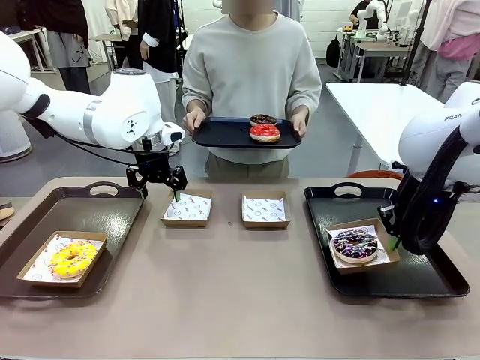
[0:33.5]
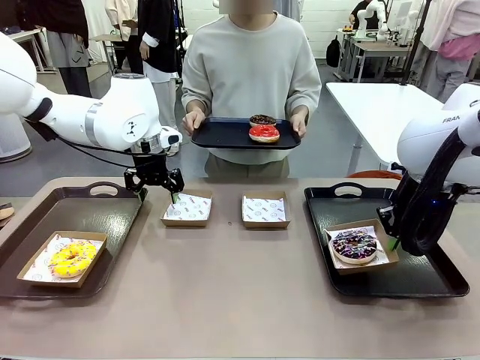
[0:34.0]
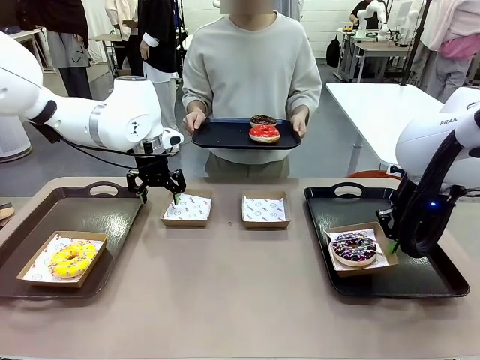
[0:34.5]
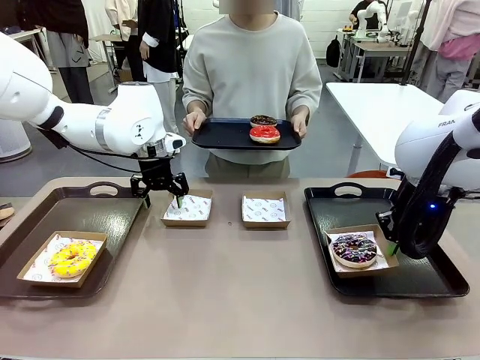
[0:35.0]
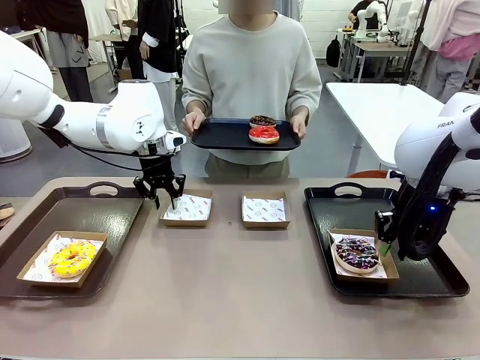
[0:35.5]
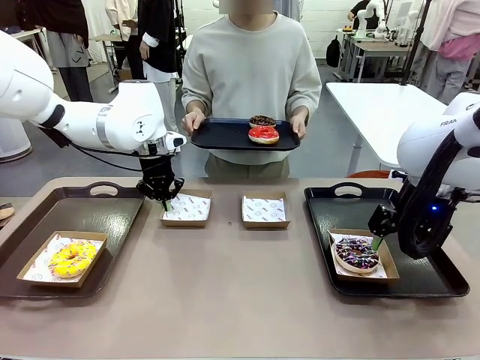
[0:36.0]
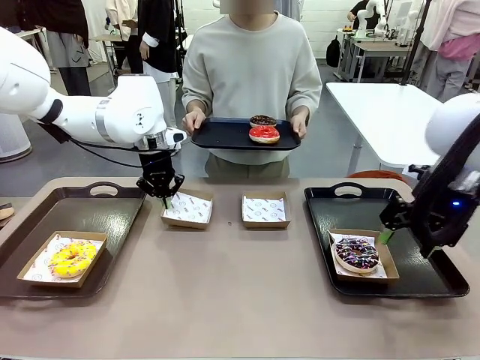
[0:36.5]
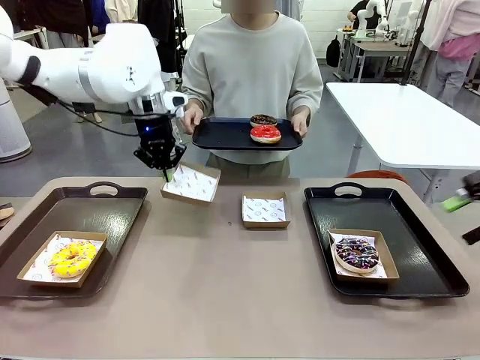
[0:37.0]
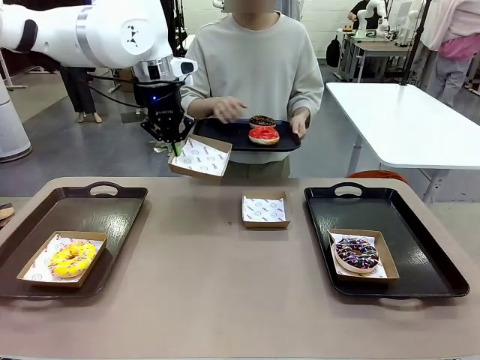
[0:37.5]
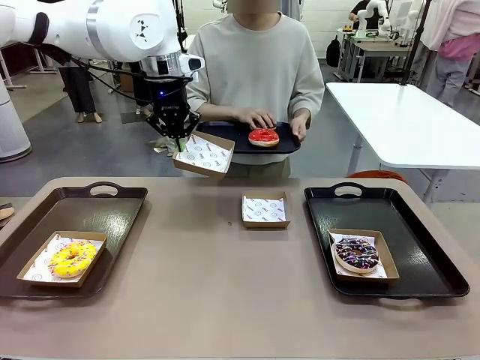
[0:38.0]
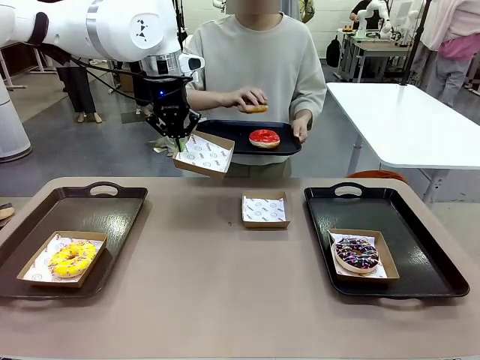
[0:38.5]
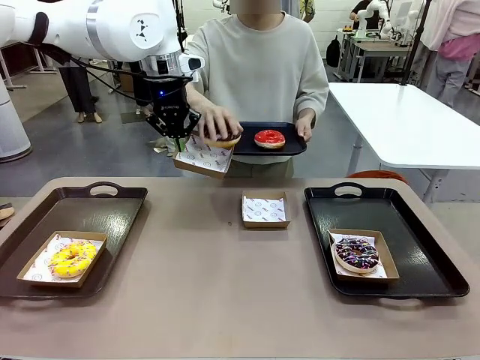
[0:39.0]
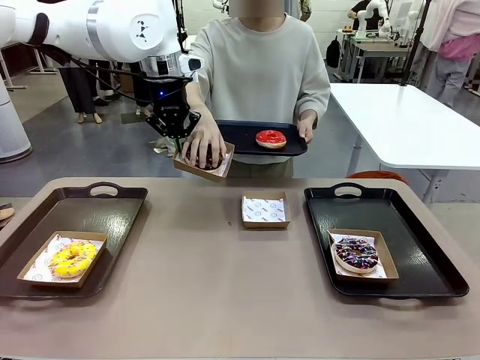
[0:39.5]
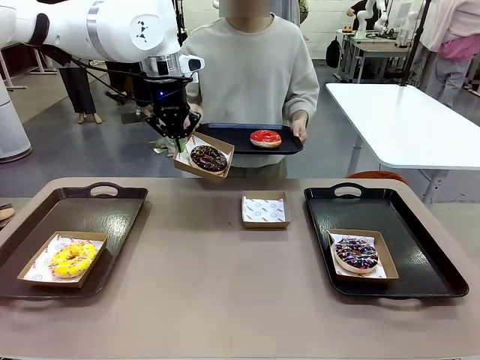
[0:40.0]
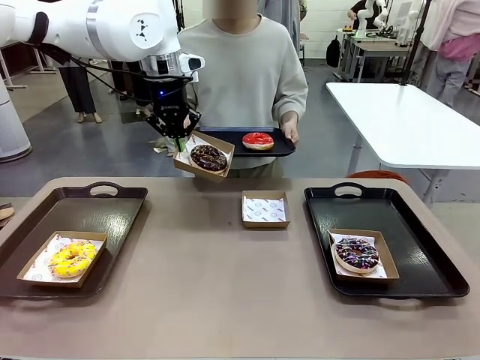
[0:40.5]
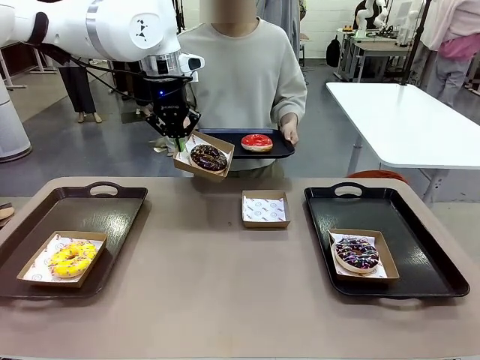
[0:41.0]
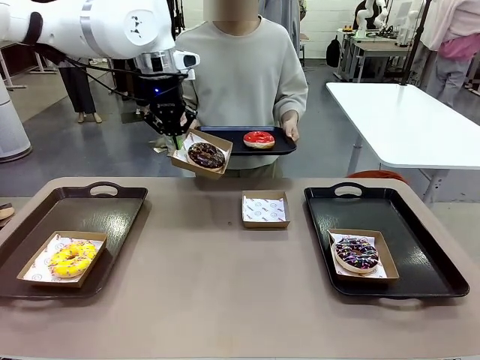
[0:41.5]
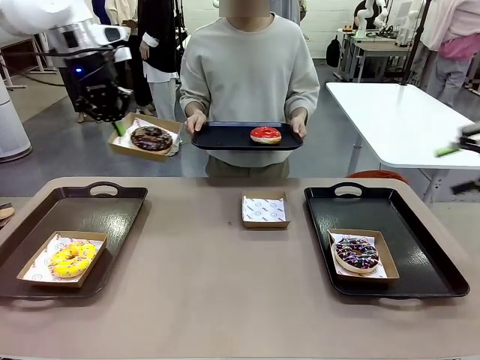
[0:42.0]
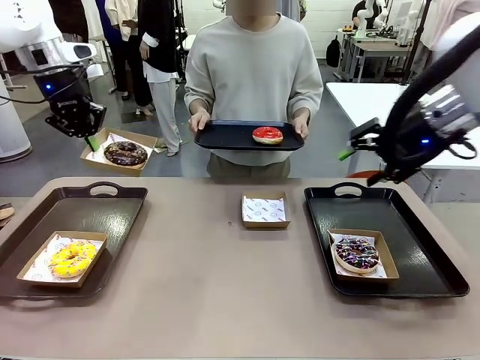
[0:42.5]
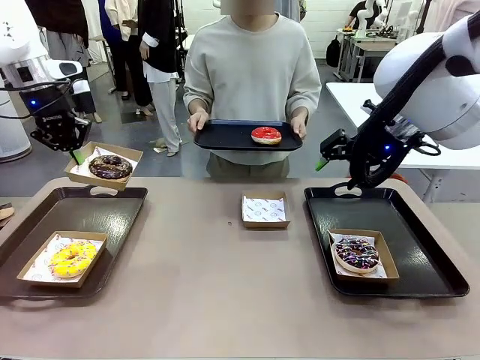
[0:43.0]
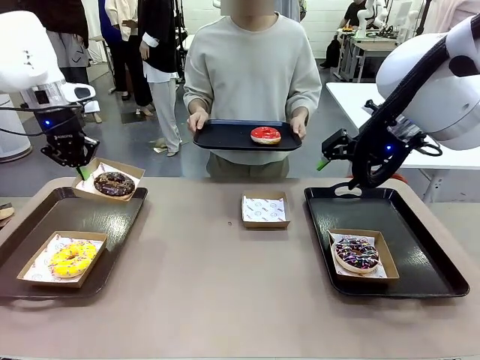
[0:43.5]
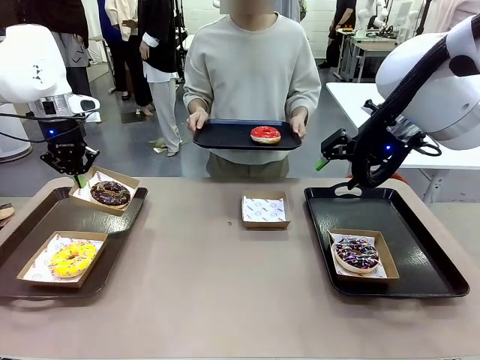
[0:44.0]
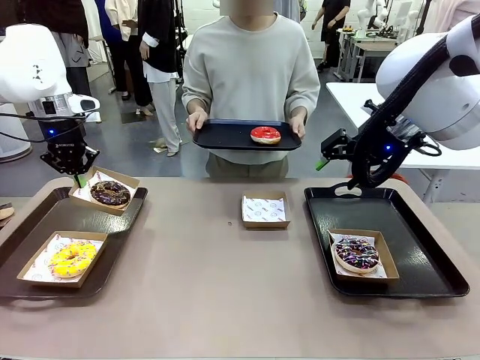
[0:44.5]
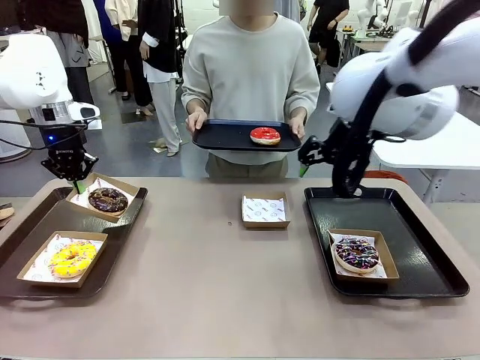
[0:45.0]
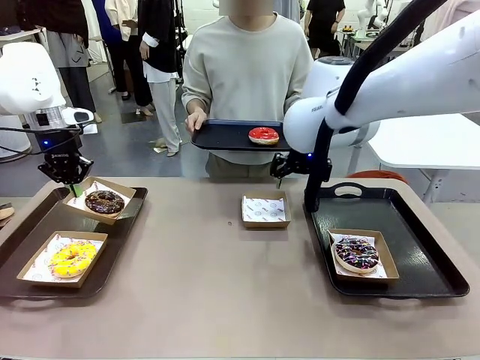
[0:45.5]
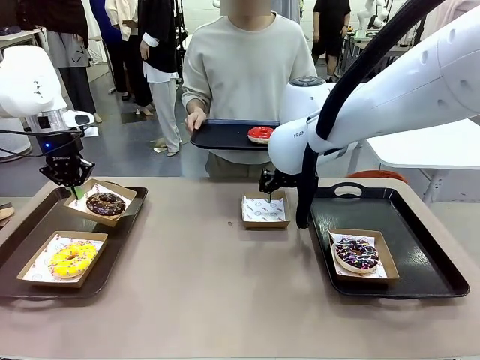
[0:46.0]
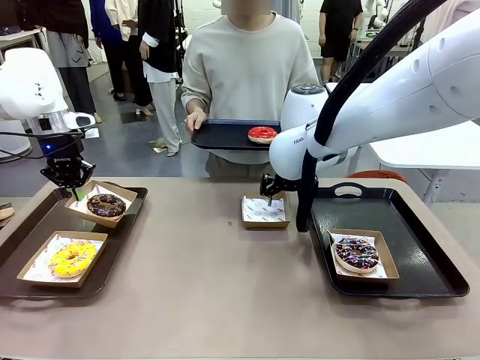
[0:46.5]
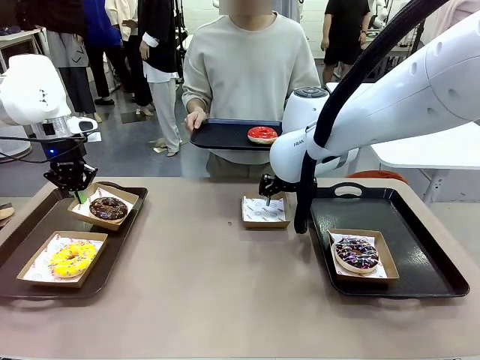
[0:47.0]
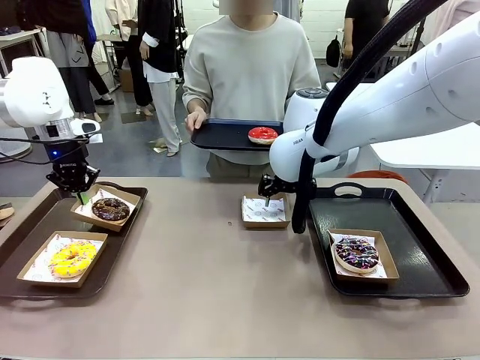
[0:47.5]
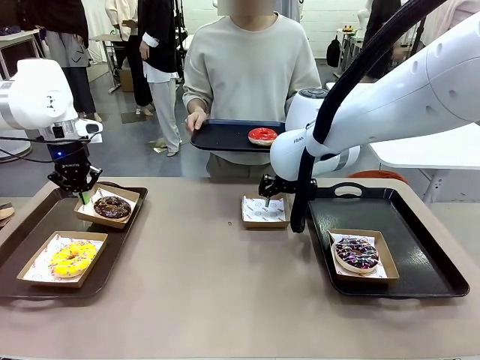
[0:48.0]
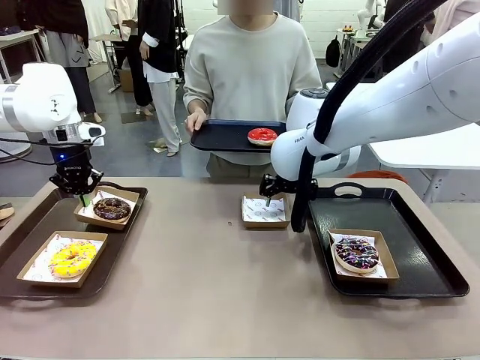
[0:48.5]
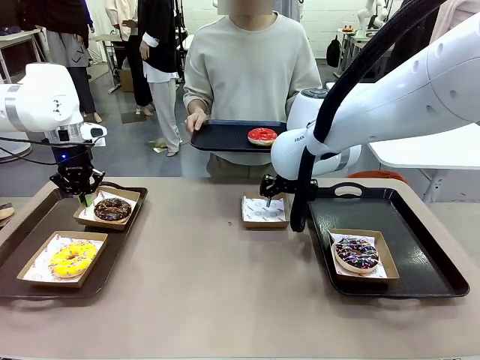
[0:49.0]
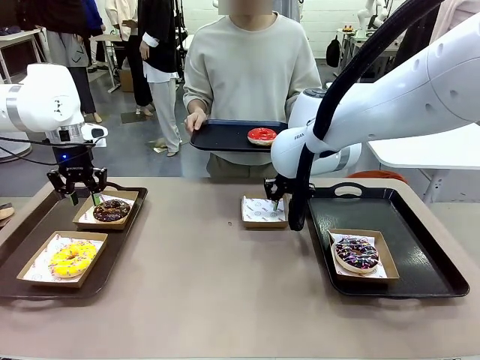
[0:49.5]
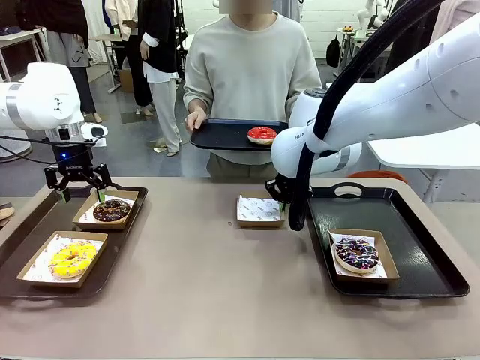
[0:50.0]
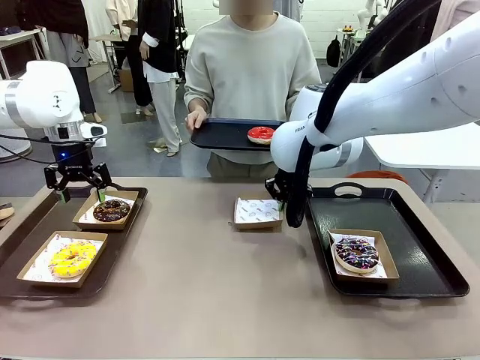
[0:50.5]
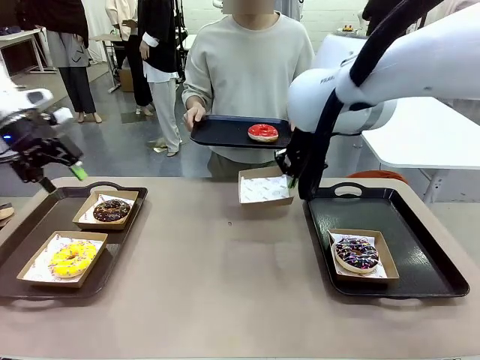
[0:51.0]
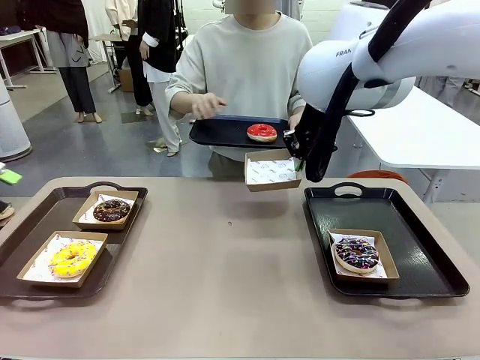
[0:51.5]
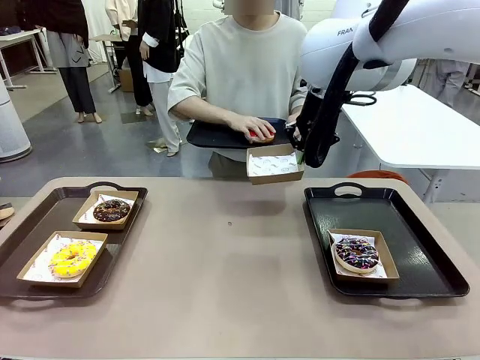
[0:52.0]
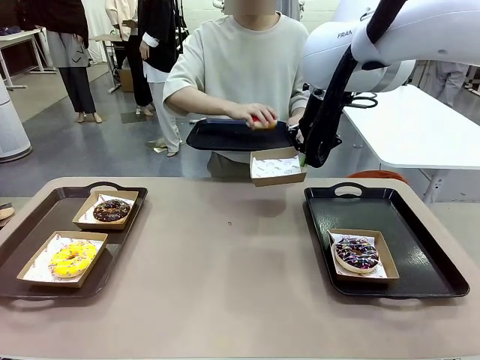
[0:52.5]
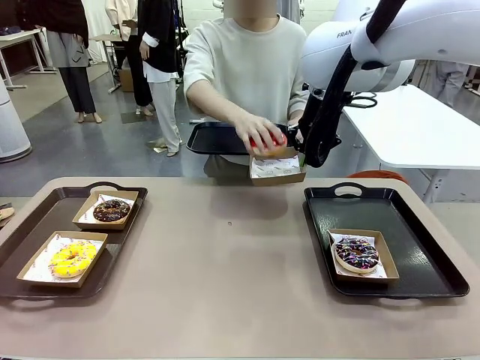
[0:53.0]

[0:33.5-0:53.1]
Task: Individually package the donuts and arrange them on the tray.
Robot: Place the picked Paper togo box on the Handle tray while simultaneously picking up another Paper togo box from the table with the other hand.

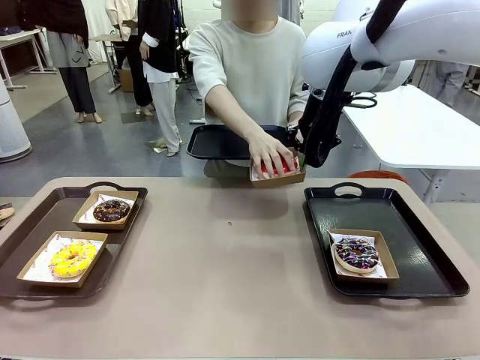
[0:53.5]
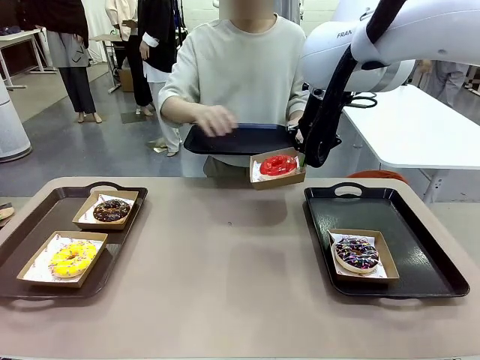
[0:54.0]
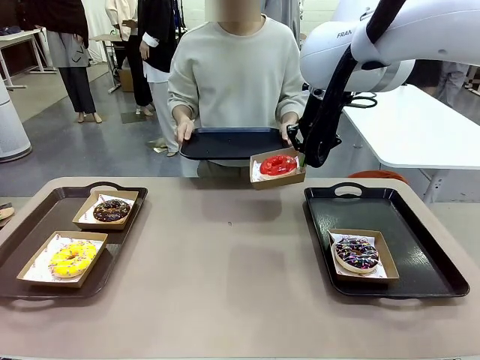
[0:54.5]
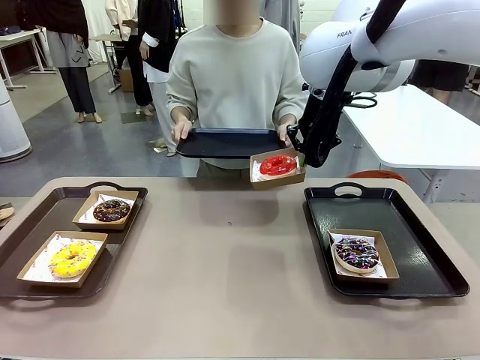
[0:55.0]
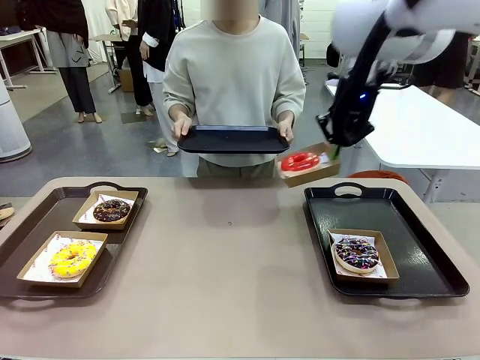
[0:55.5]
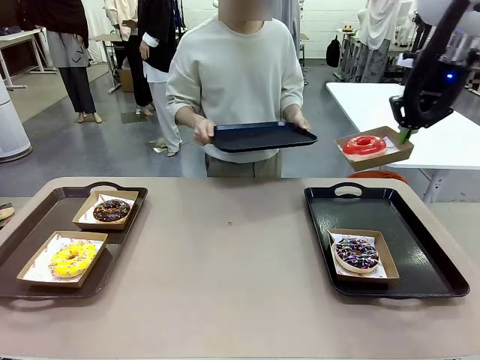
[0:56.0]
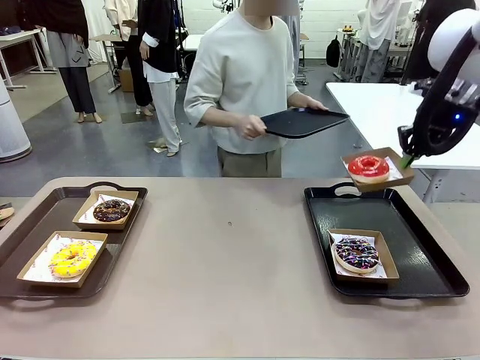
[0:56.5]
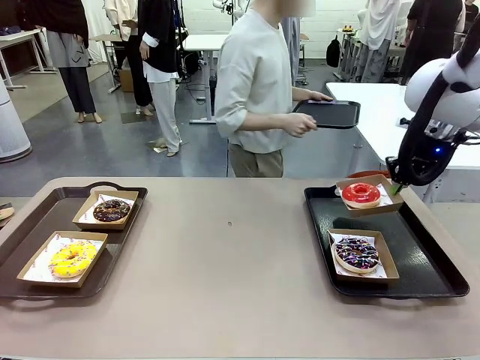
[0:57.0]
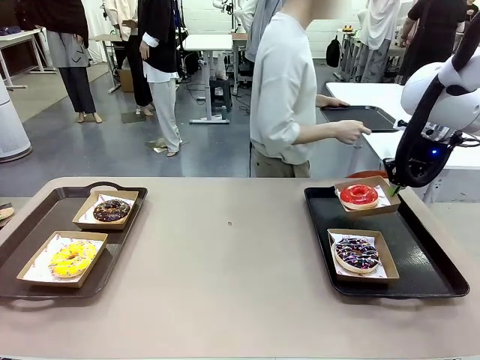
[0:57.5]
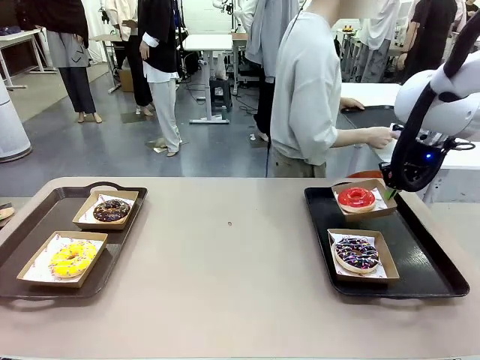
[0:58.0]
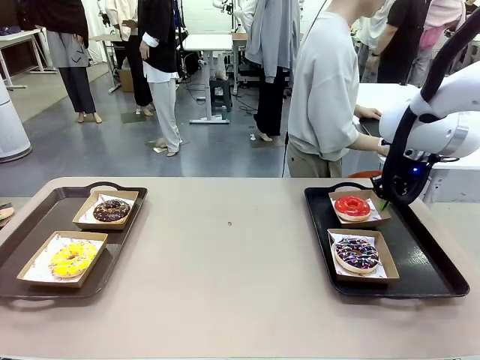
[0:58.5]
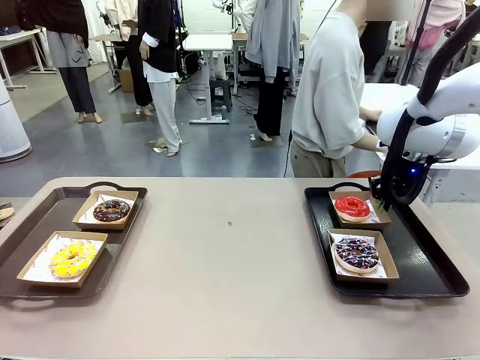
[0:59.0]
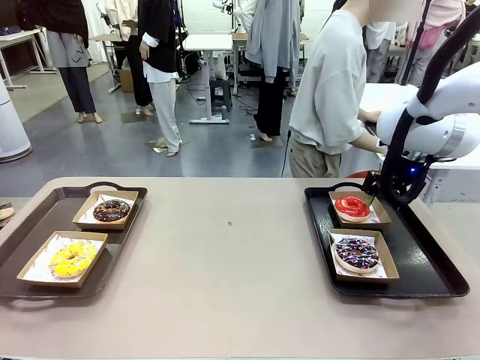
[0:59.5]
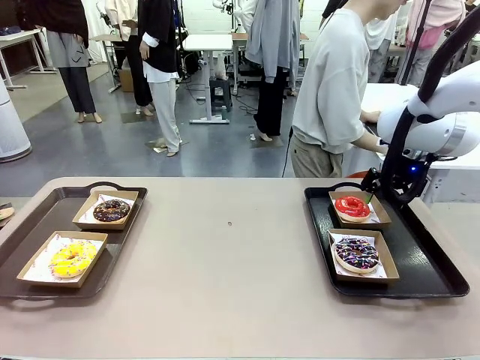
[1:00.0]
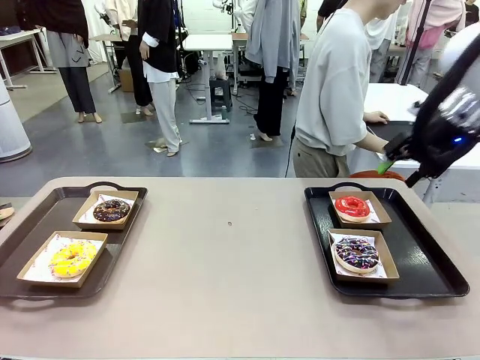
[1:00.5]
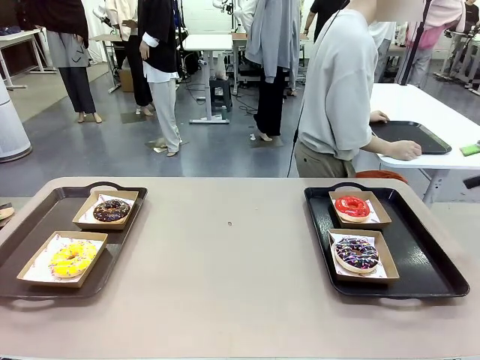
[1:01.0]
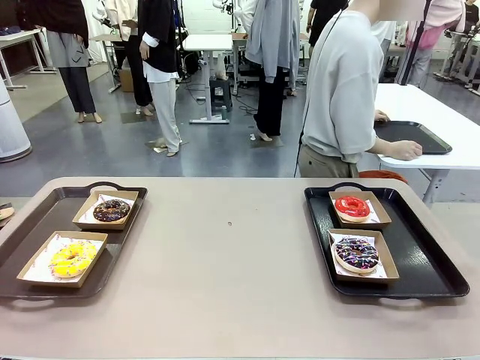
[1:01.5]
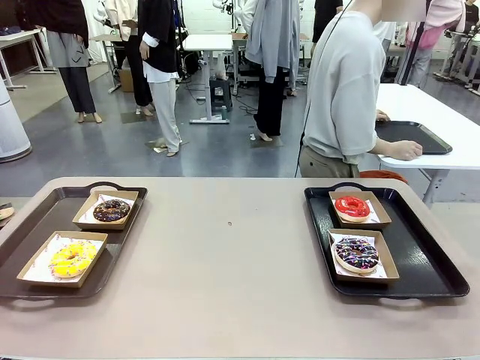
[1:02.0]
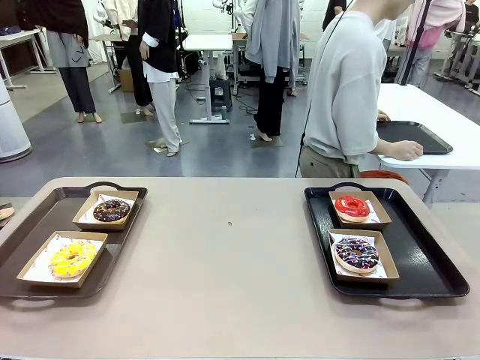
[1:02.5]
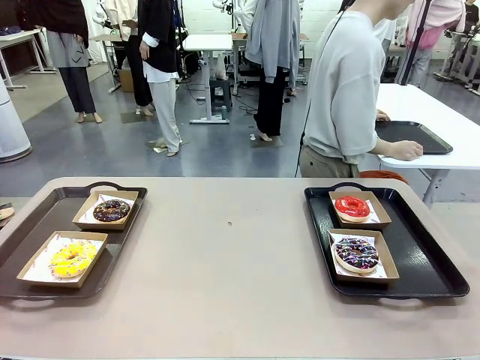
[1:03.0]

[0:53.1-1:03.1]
Robot: Place the picked Paper togo box on the Handle tray.
Person: Place the tray down in the middle of the human table.
